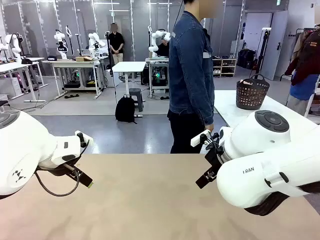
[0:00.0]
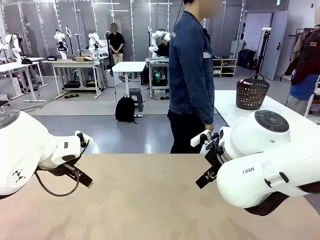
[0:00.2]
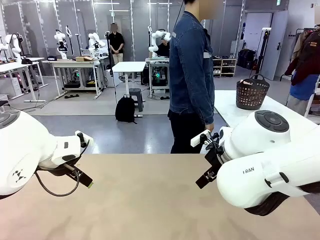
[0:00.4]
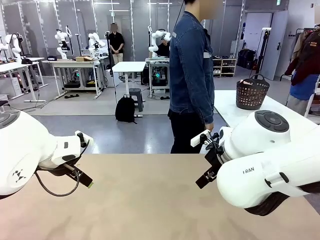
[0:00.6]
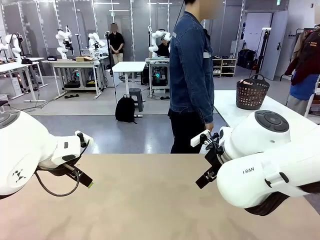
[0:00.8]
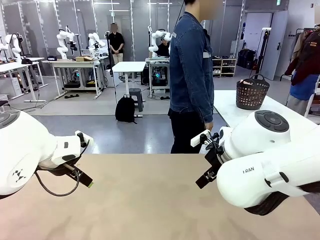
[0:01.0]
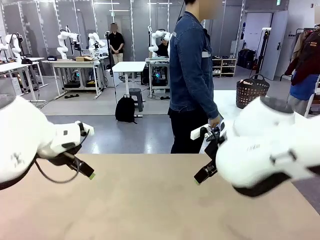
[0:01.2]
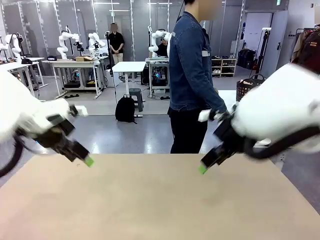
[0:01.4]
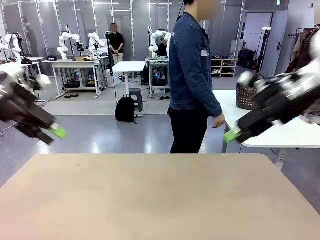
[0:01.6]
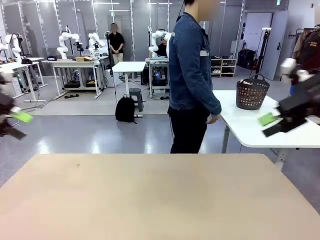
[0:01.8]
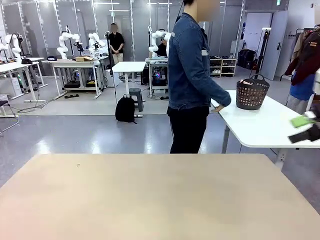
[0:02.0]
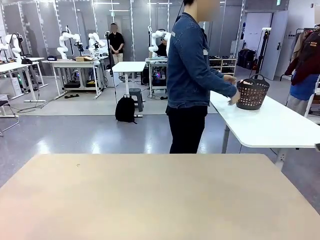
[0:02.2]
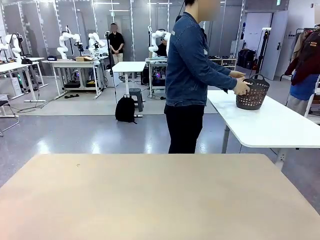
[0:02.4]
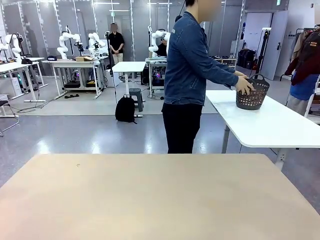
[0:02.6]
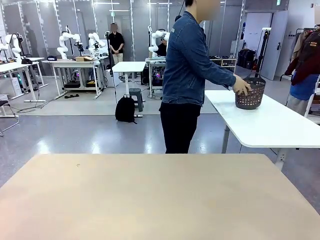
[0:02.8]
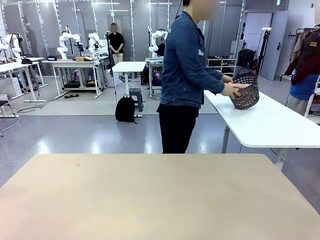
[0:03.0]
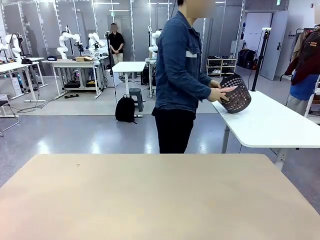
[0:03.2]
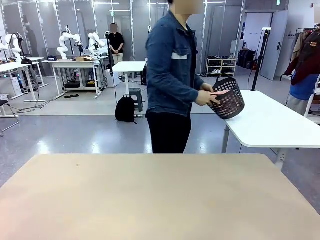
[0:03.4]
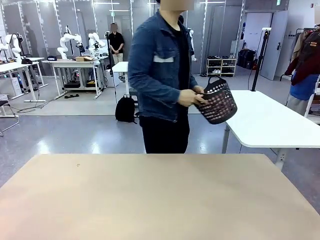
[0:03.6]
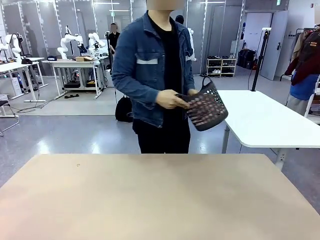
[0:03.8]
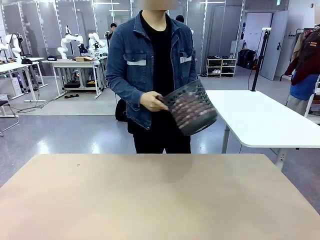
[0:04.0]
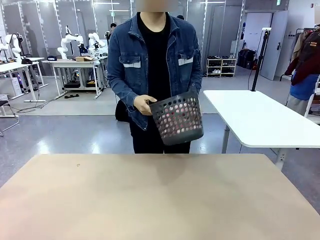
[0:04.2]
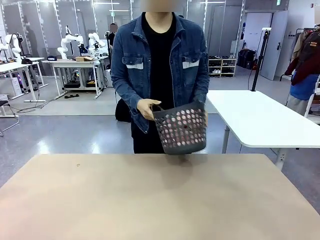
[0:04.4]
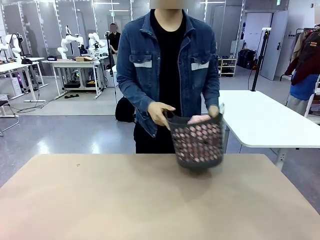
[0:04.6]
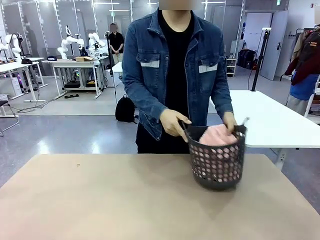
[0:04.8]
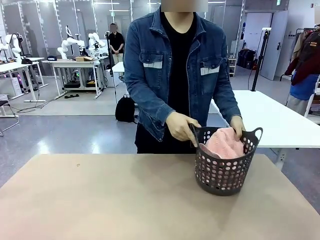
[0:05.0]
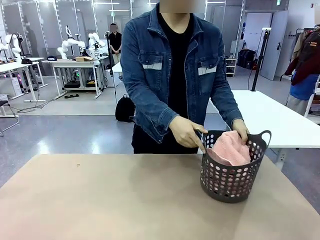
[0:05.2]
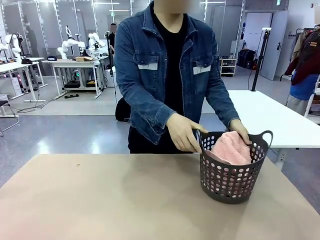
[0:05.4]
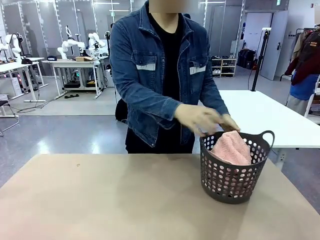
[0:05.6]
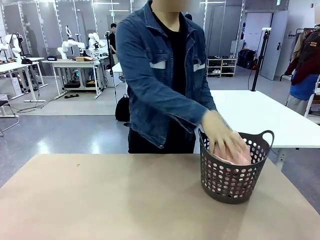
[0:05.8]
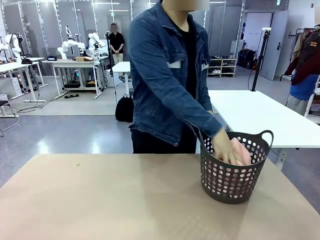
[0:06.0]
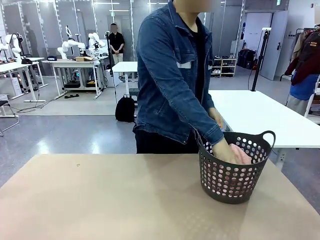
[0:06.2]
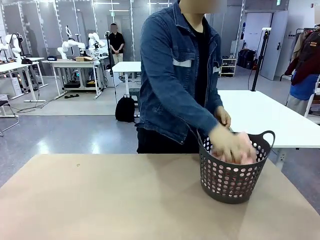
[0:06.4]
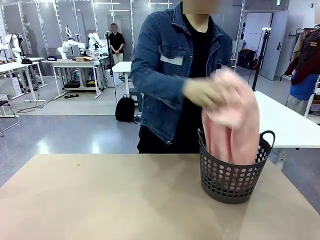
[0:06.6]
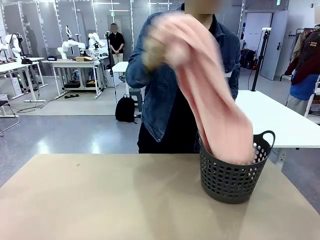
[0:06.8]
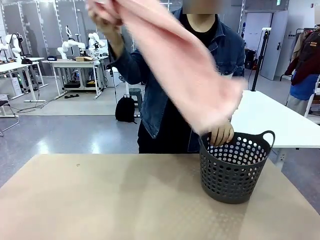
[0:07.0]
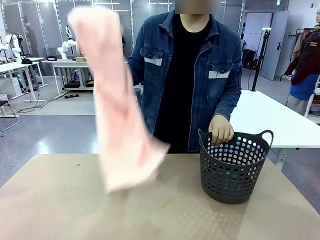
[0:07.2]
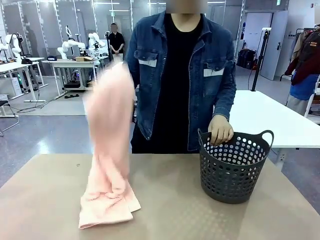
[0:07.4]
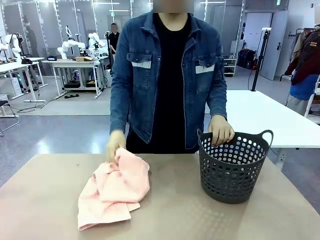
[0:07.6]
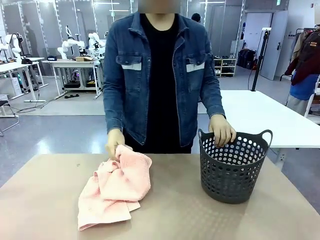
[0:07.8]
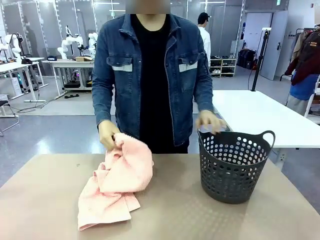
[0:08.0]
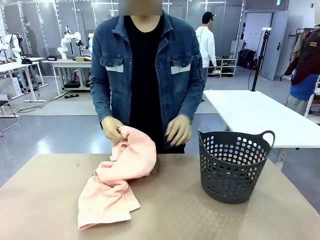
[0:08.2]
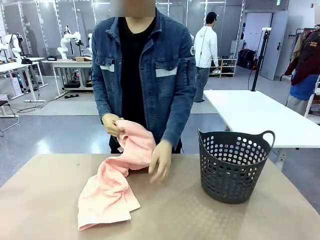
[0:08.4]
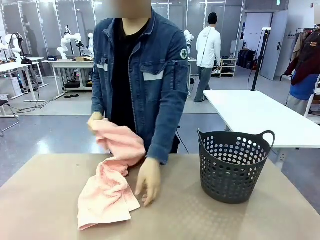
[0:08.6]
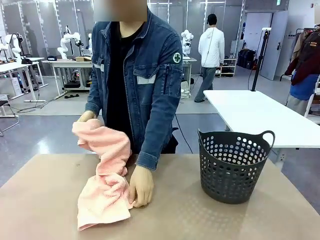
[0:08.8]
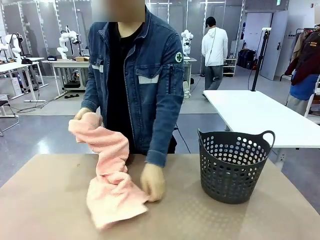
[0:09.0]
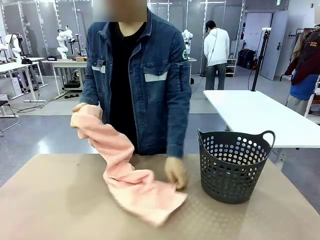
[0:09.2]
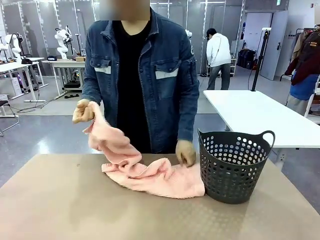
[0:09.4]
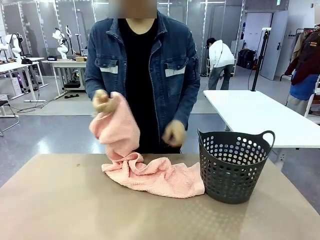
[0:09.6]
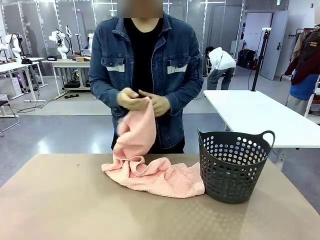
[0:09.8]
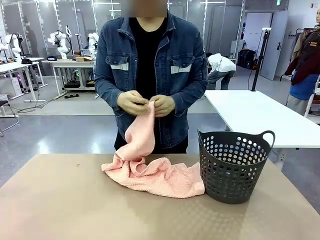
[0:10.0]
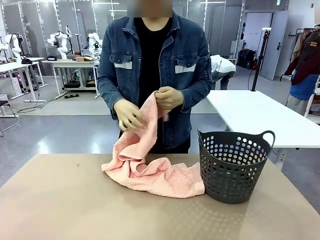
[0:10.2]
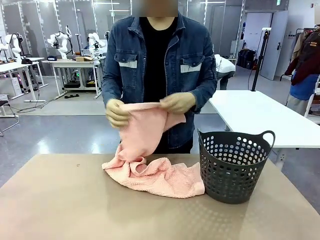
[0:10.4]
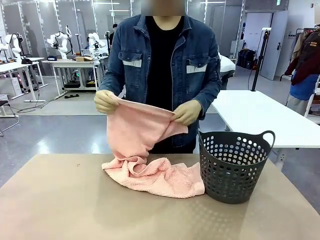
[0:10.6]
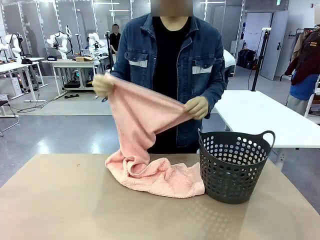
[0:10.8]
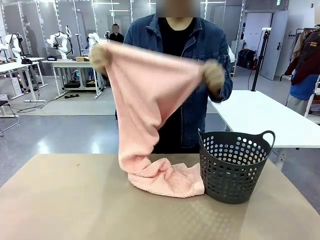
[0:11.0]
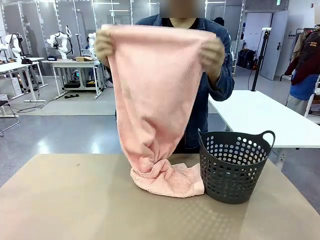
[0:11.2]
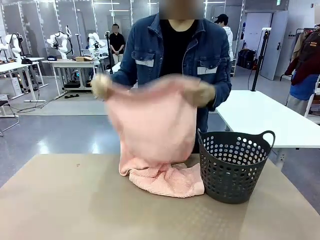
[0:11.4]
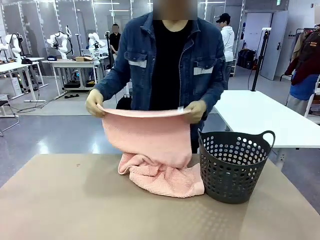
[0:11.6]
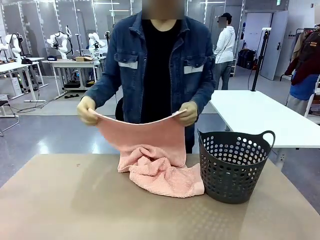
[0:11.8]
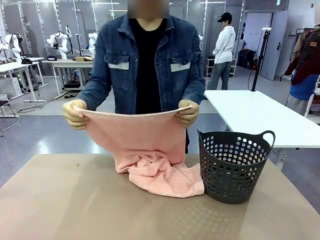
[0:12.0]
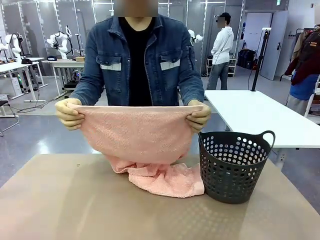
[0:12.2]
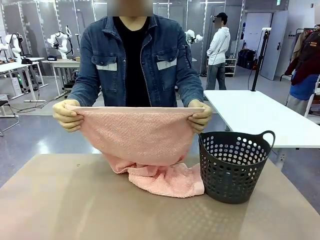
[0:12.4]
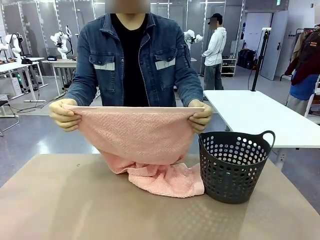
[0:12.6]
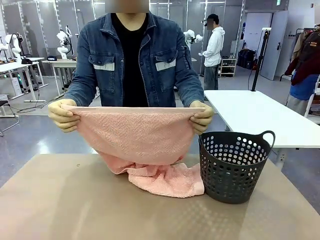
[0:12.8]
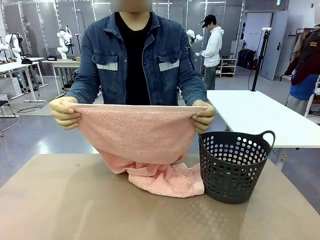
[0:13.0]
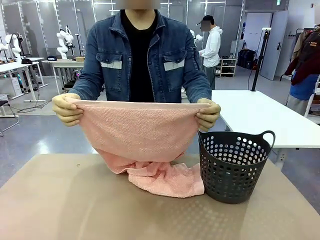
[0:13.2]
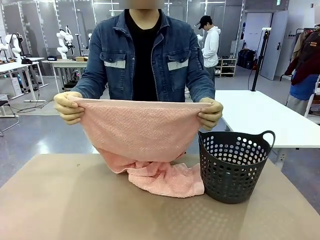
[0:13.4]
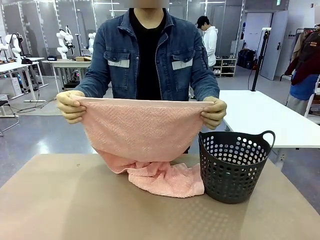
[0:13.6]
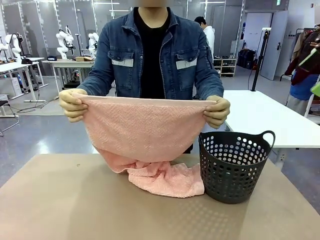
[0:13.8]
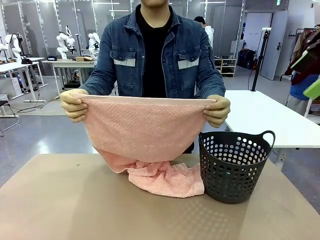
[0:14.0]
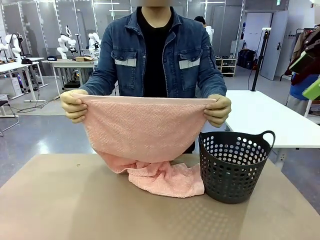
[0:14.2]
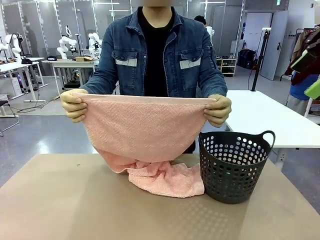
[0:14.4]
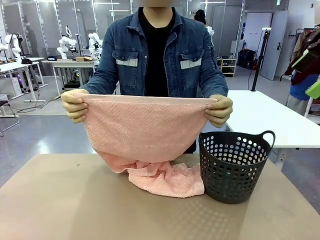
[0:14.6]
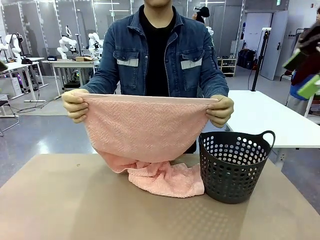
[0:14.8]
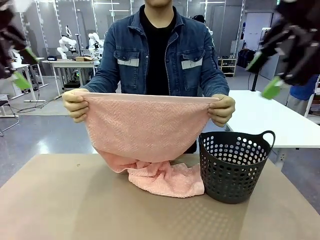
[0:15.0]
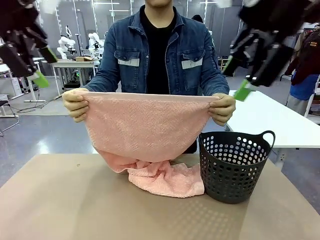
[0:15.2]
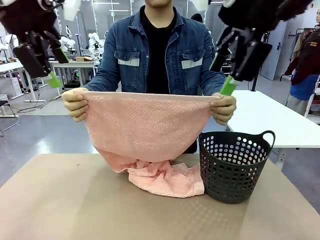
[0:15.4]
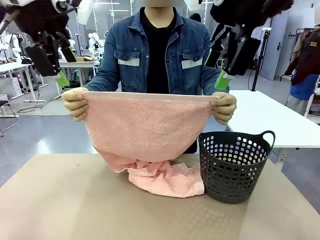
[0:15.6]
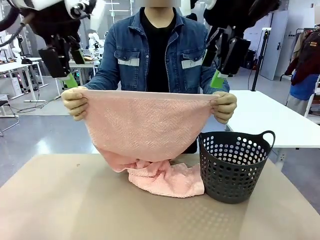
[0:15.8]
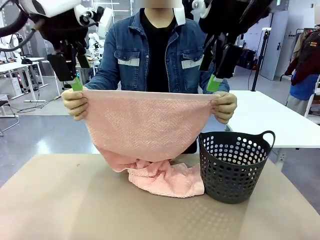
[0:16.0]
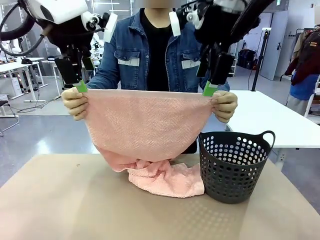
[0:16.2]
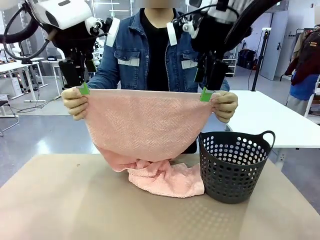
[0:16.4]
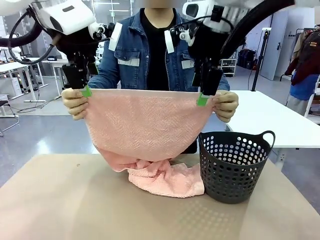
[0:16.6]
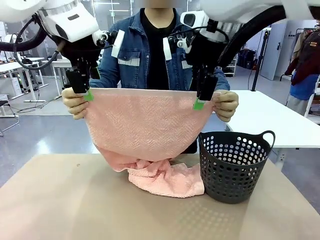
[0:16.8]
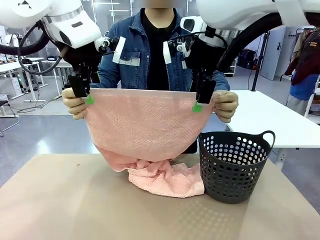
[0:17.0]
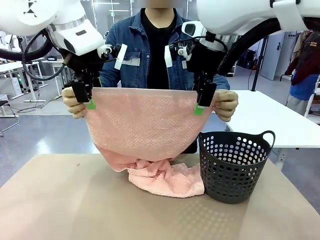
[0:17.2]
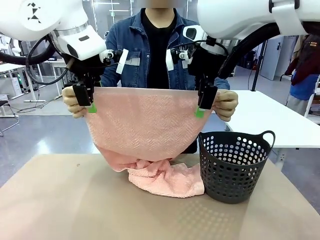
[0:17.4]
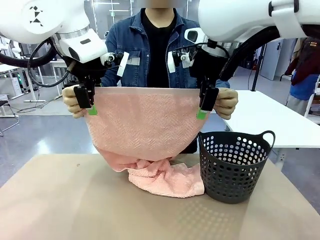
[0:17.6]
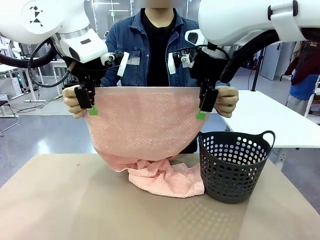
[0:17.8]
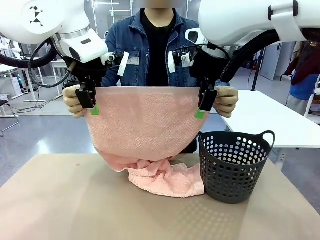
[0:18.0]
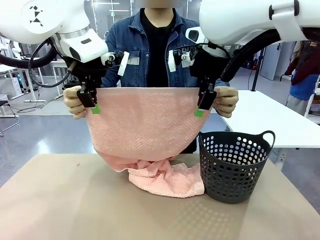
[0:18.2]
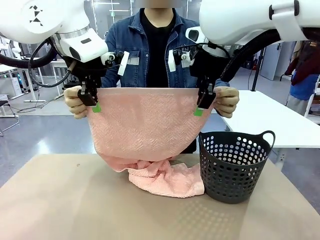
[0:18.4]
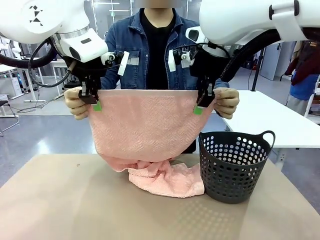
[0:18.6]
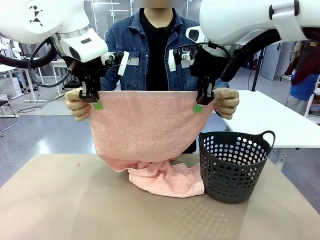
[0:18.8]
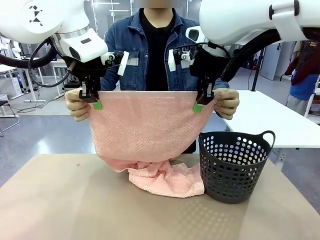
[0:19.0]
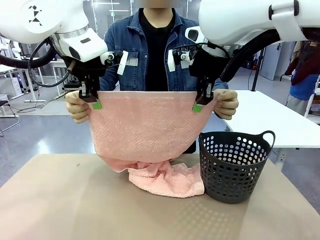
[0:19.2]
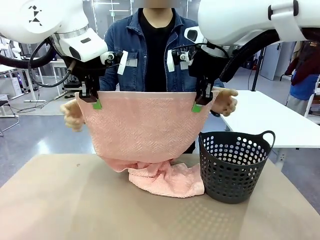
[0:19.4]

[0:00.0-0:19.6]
Task: Fold the towel.
Robot: Grab the top end of the 100 cm Hotel Towel extended by the human.
Person: Pick up the laundry basket, place it on the left side of the robot table, then take out a towel and hand it to the robot while holding both corners of one end.
